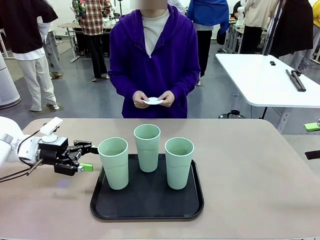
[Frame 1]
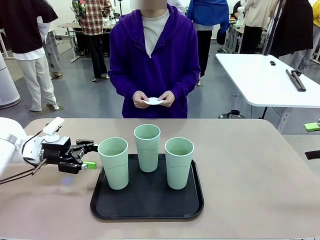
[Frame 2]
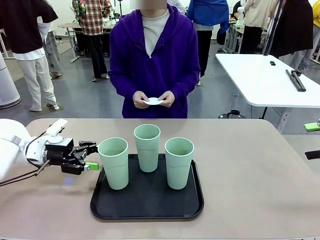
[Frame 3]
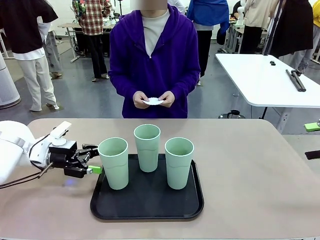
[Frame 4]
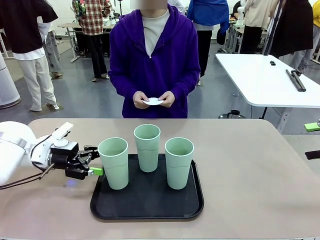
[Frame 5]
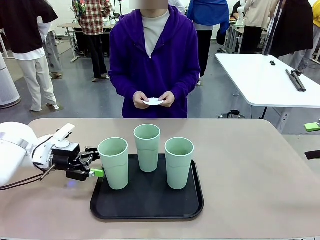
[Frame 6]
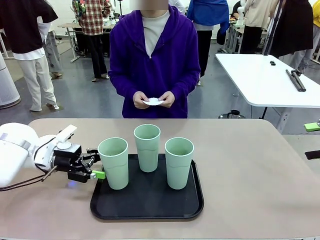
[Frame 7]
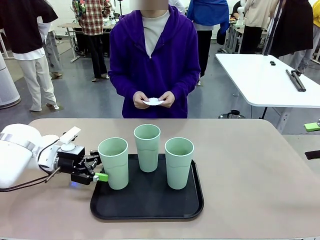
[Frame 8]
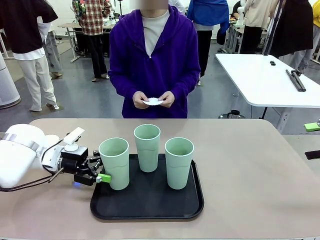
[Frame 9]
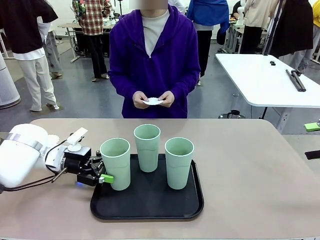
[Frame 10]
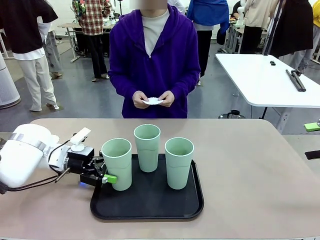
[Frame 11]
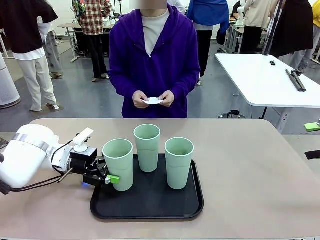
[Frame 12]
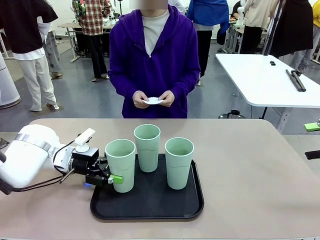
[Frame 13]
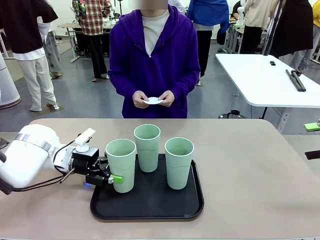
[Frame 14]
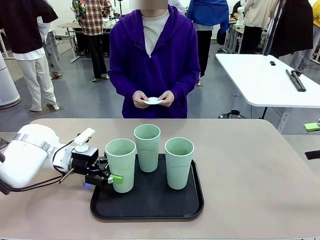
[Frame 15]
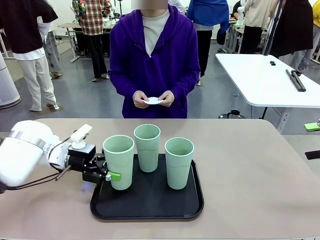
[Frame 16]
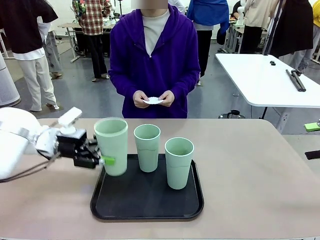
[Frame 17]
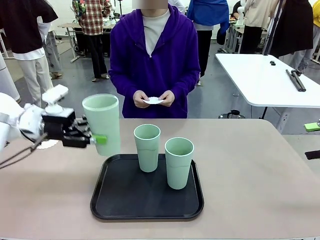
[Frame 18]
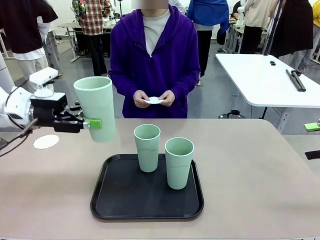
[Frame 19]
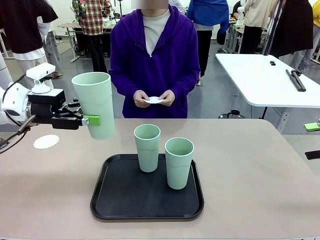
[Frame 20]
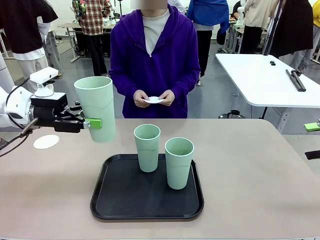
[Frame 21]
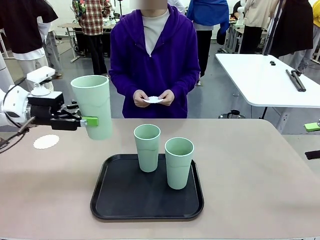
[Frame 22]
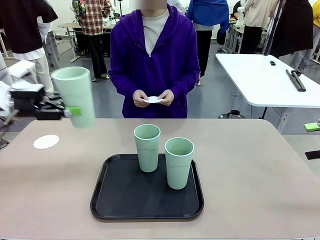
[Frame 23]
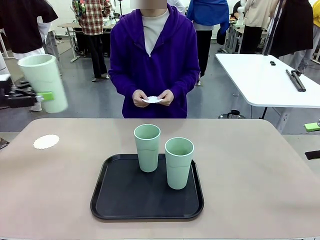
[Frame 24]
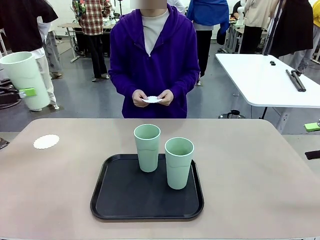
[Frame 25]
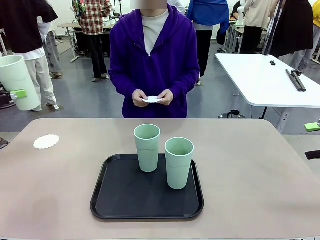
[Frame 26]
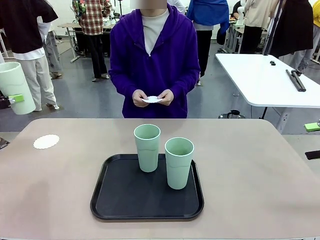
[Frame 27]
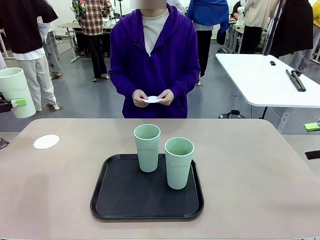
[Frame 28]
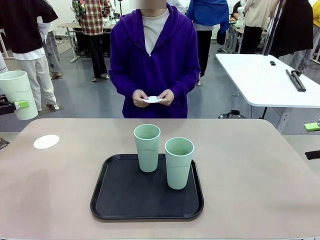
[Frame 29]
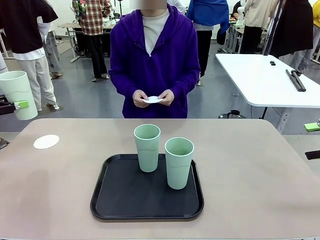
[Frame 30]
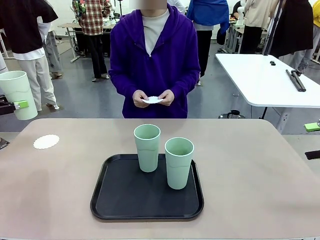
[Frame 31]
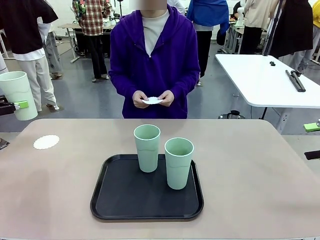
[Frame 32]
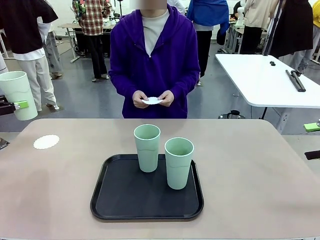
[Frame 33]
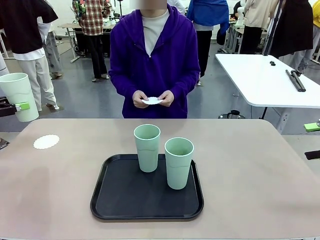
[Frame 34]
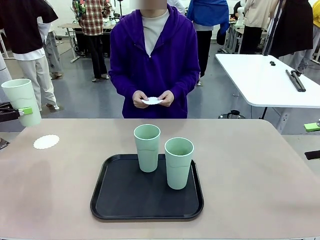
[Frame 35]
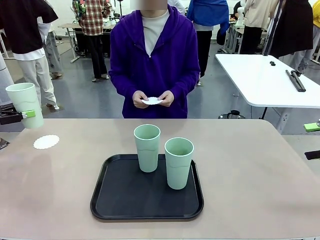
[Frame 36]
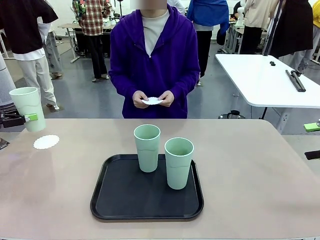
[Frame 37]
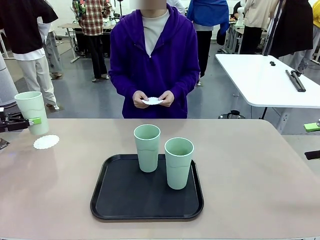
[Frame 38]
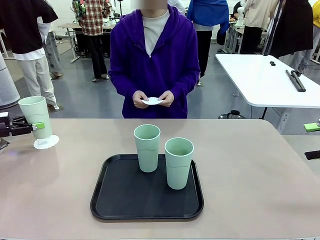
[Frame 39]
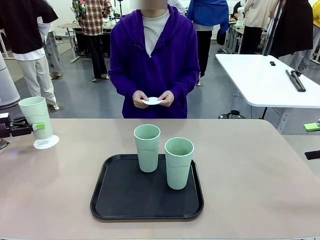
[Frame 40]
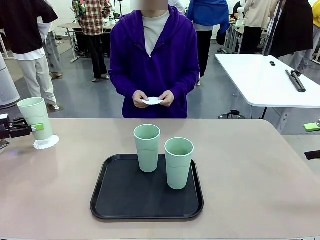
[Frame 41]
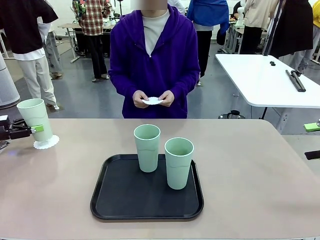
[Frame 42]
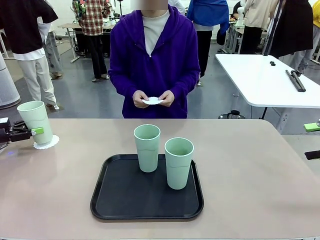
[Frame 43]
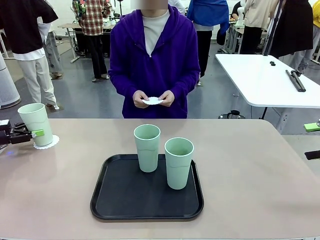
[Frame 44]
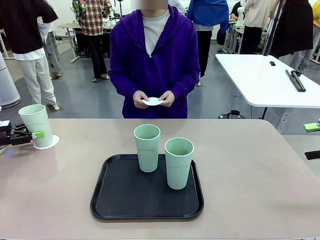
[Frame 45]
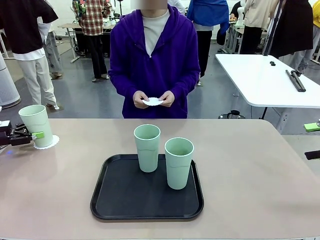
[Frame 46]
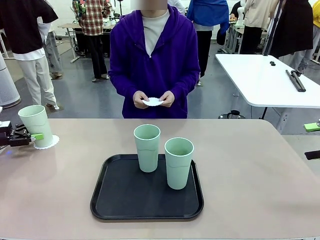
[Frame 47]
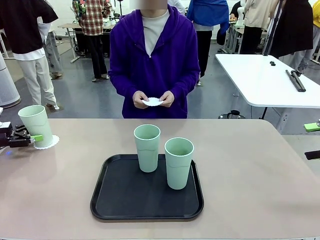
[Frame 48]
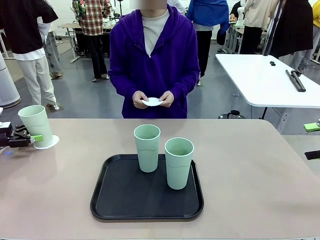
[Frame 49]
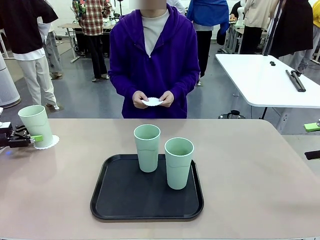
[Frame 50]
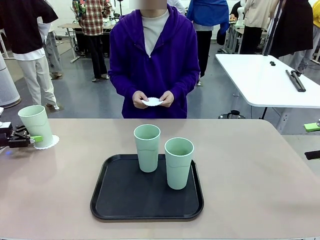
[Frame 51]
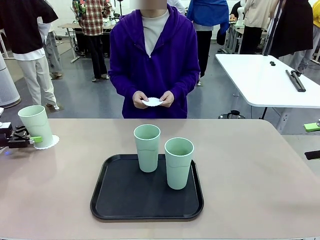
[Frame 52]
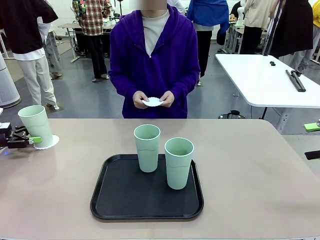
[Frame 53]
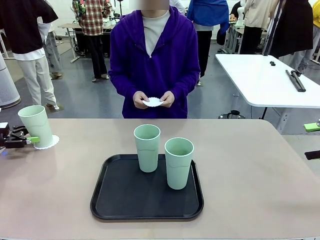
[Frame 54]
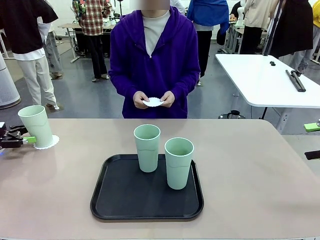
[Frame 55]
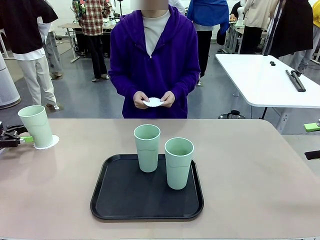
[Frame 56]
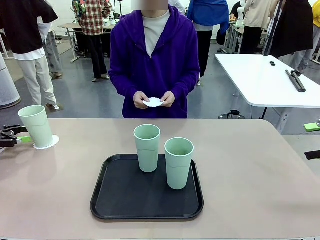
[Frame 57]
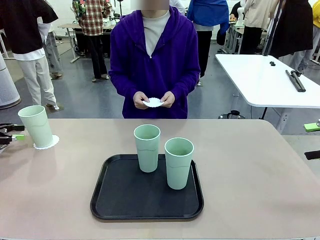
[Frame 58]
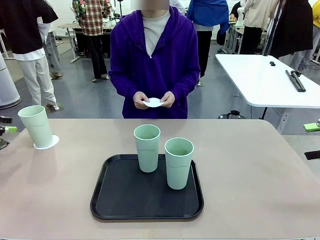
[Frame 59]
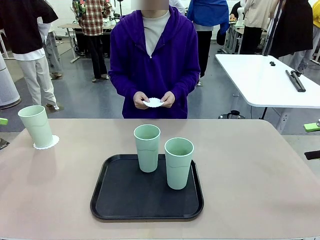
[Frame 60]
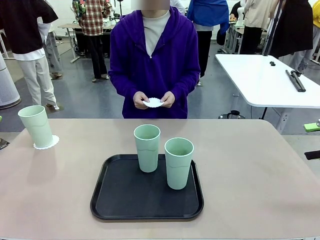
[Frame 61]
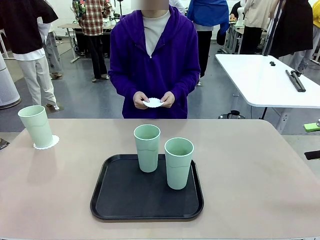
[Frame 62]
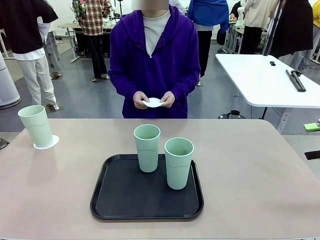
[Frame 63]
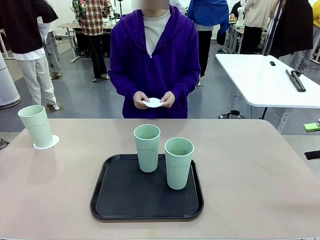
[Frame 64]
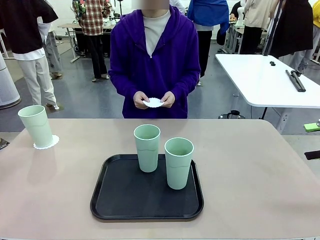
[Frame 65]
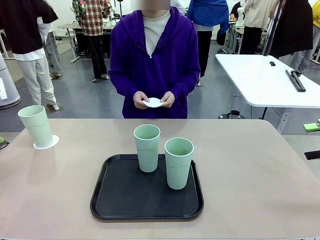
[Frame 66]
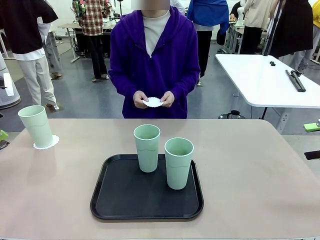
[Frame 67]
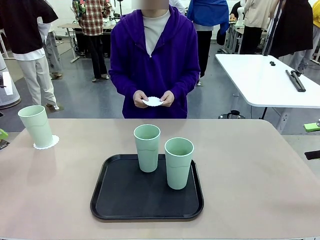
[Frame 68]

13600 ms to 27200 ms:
Task: Place coasters on the table and set cups on them.
Robot: Pick up one Reusable plastic cup and place it on a coaster set by the human.
Person: Place one coaster in one of the two areas excluding the previously selected area.
